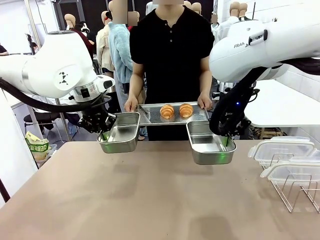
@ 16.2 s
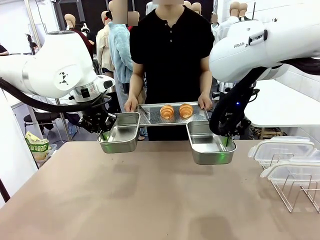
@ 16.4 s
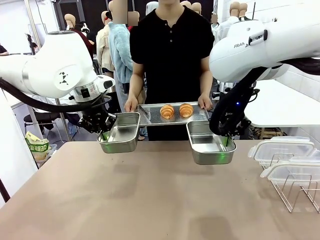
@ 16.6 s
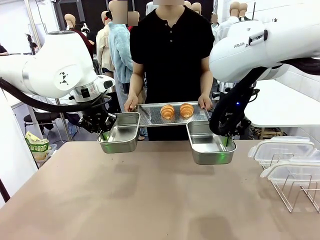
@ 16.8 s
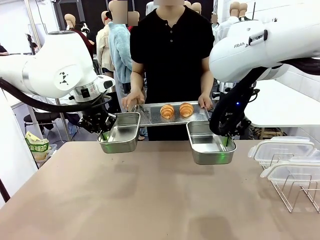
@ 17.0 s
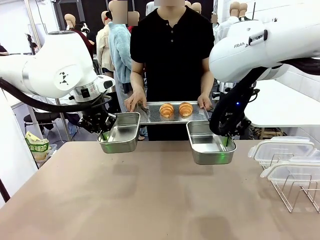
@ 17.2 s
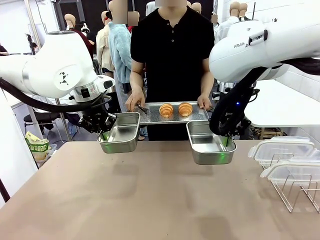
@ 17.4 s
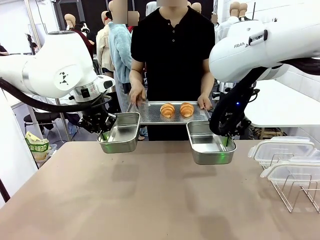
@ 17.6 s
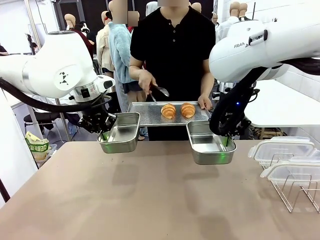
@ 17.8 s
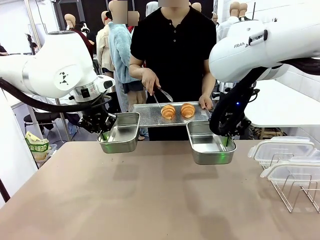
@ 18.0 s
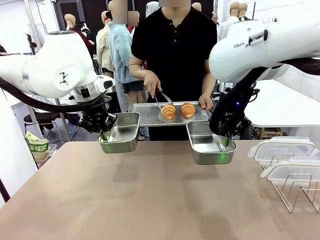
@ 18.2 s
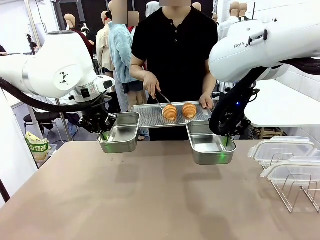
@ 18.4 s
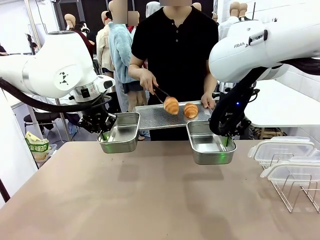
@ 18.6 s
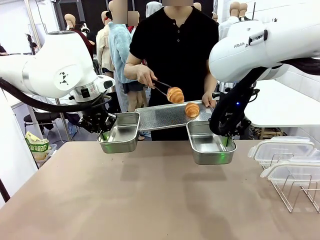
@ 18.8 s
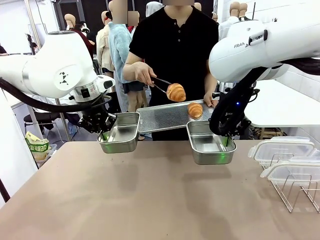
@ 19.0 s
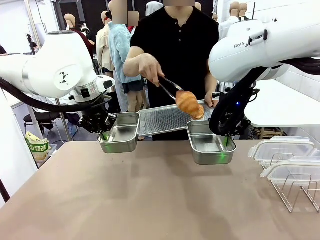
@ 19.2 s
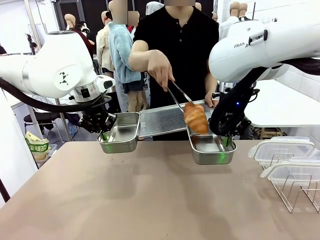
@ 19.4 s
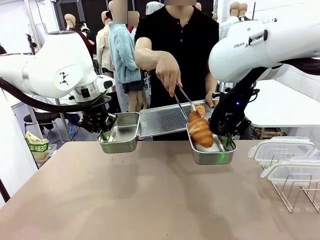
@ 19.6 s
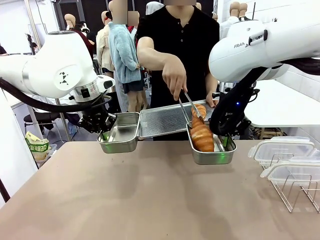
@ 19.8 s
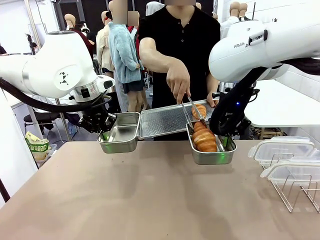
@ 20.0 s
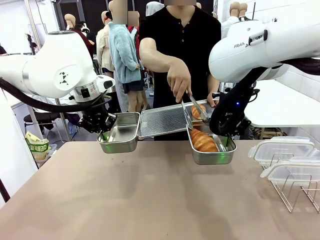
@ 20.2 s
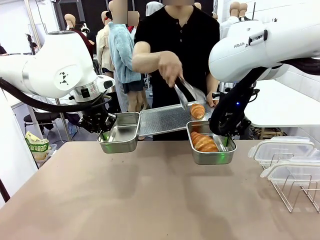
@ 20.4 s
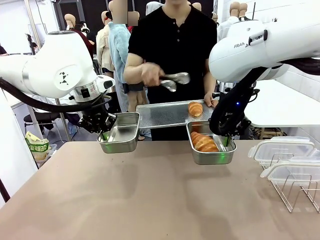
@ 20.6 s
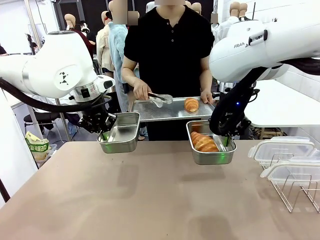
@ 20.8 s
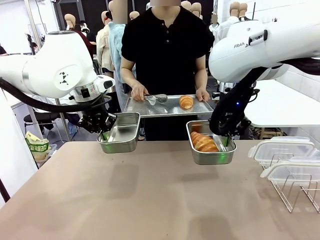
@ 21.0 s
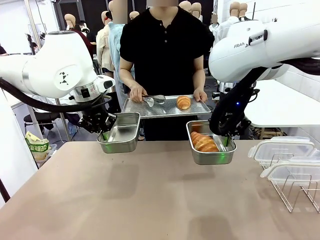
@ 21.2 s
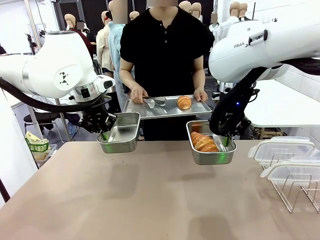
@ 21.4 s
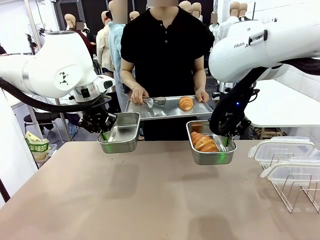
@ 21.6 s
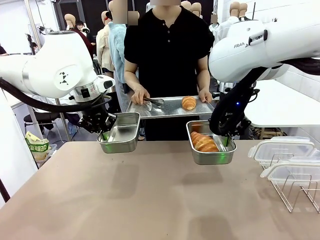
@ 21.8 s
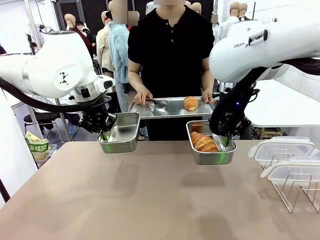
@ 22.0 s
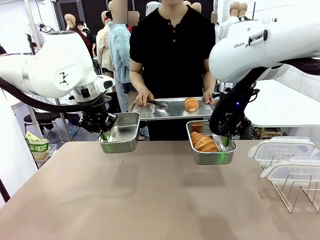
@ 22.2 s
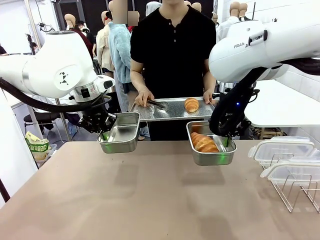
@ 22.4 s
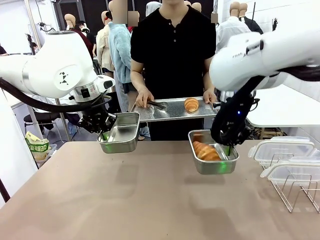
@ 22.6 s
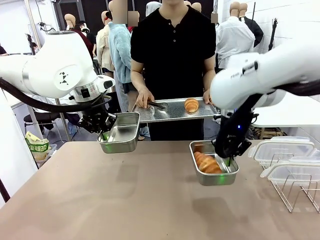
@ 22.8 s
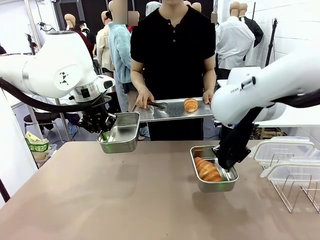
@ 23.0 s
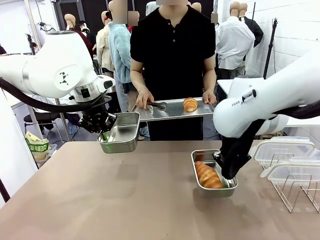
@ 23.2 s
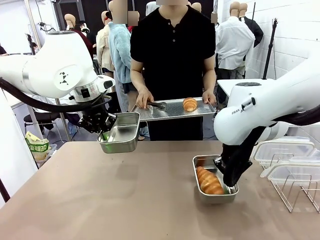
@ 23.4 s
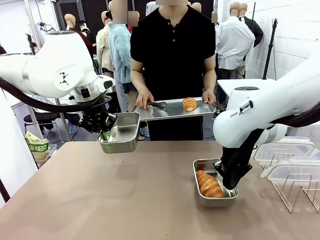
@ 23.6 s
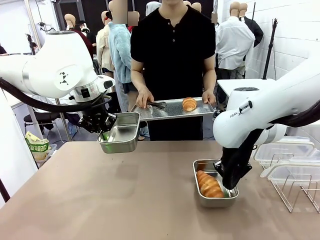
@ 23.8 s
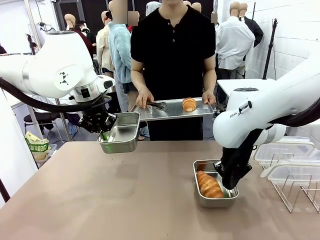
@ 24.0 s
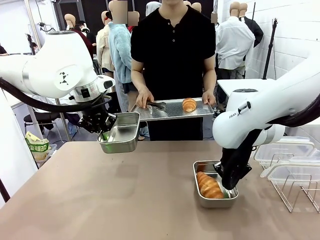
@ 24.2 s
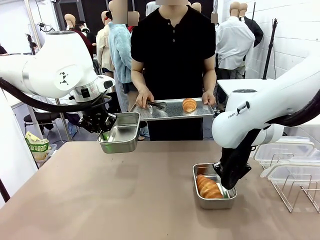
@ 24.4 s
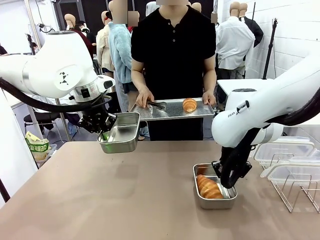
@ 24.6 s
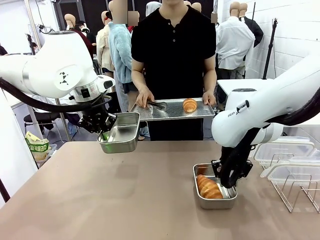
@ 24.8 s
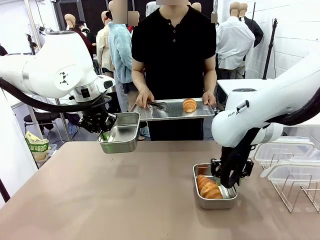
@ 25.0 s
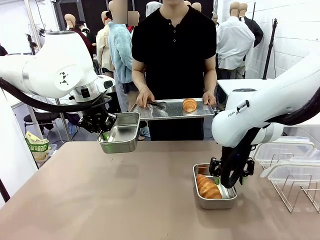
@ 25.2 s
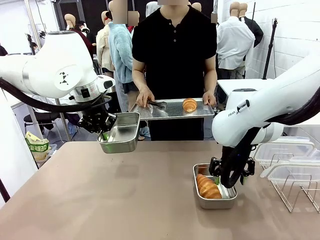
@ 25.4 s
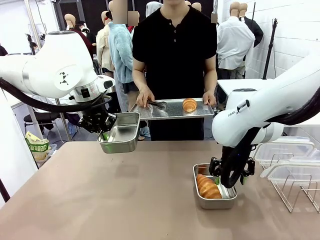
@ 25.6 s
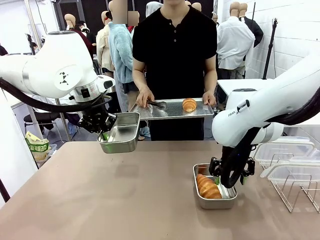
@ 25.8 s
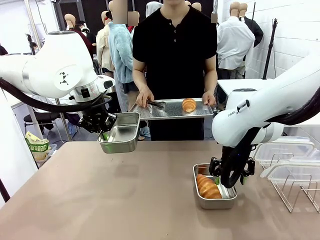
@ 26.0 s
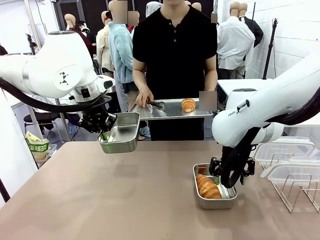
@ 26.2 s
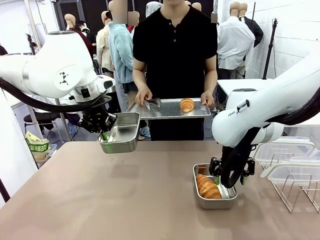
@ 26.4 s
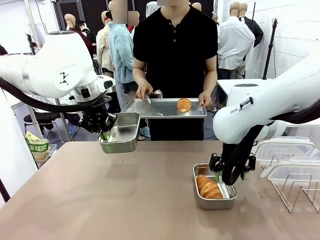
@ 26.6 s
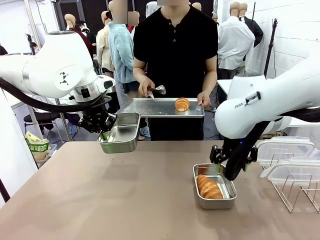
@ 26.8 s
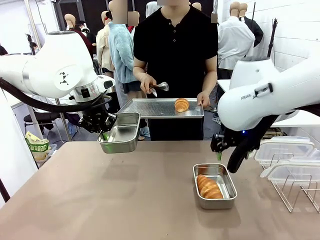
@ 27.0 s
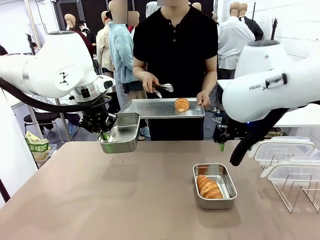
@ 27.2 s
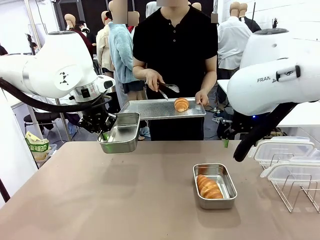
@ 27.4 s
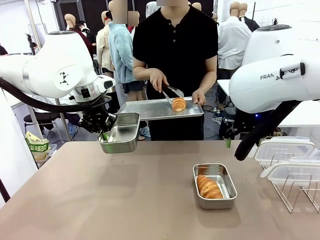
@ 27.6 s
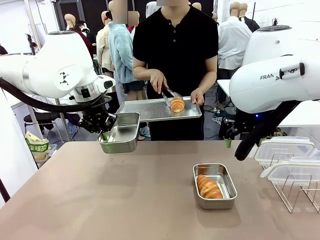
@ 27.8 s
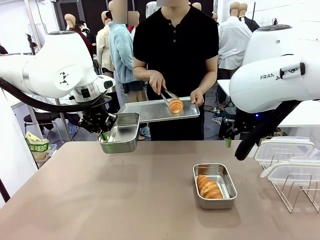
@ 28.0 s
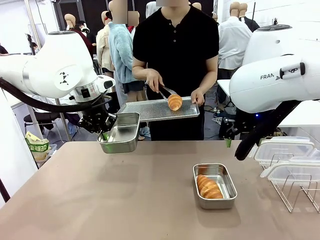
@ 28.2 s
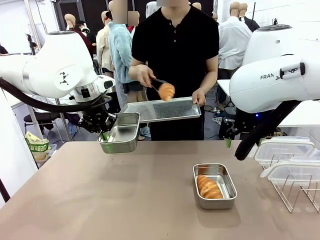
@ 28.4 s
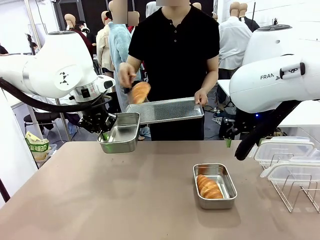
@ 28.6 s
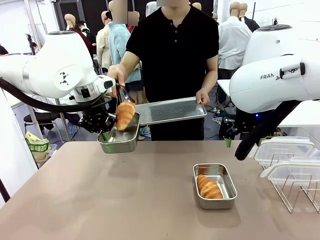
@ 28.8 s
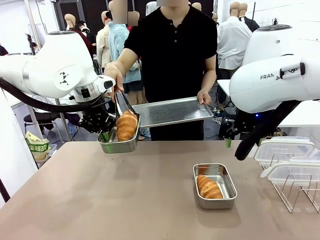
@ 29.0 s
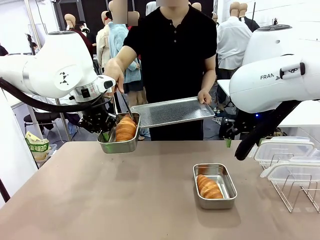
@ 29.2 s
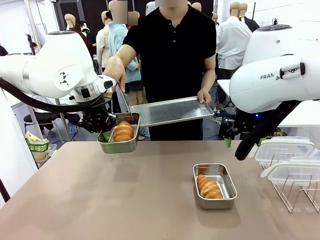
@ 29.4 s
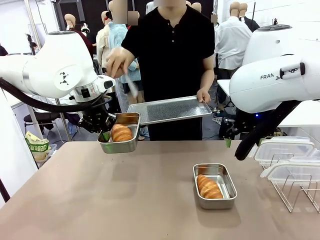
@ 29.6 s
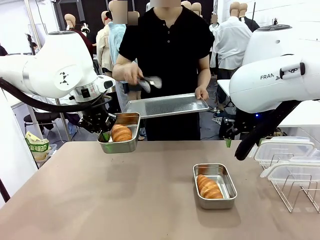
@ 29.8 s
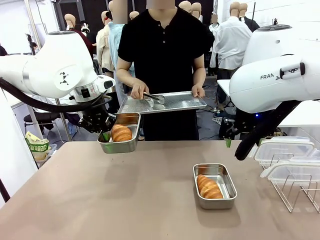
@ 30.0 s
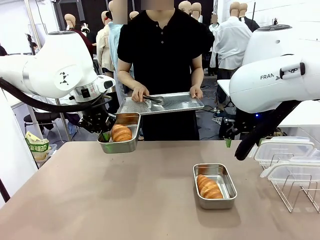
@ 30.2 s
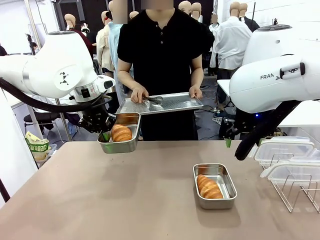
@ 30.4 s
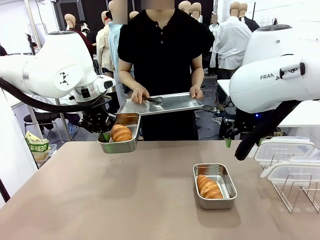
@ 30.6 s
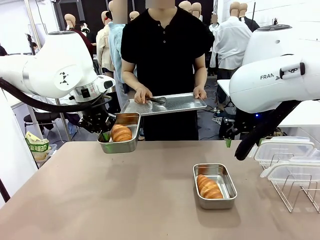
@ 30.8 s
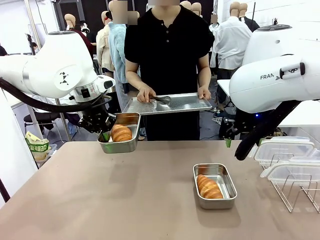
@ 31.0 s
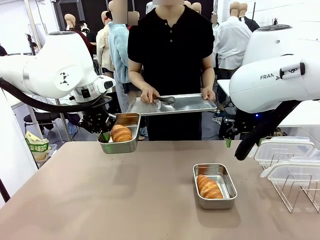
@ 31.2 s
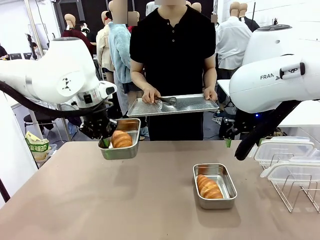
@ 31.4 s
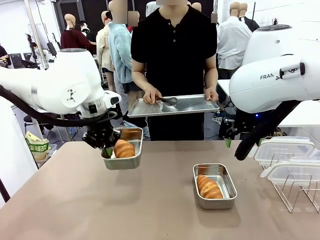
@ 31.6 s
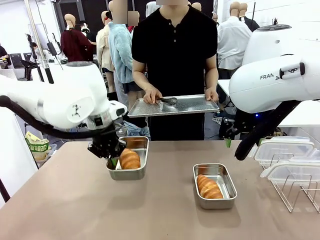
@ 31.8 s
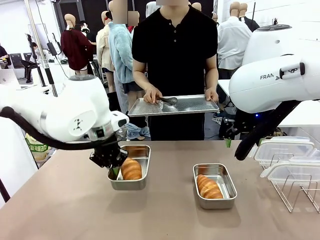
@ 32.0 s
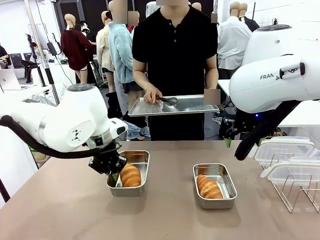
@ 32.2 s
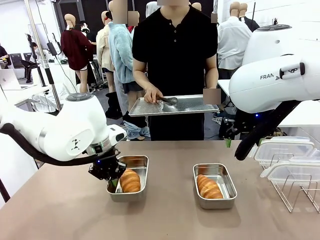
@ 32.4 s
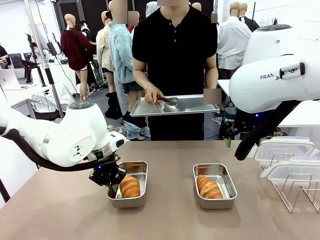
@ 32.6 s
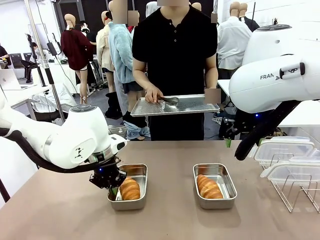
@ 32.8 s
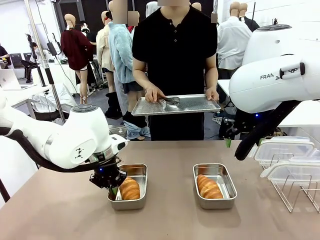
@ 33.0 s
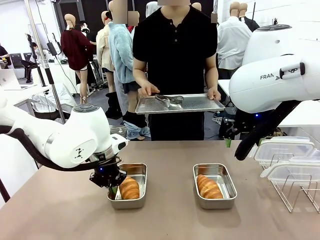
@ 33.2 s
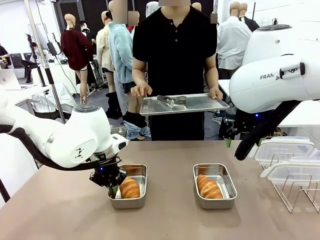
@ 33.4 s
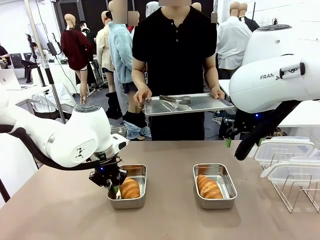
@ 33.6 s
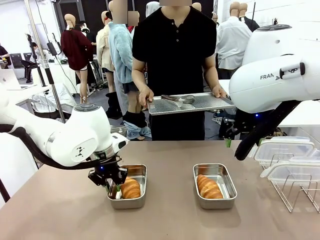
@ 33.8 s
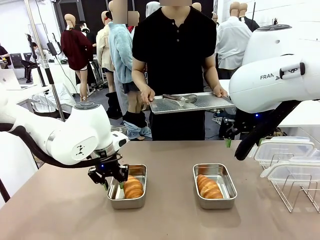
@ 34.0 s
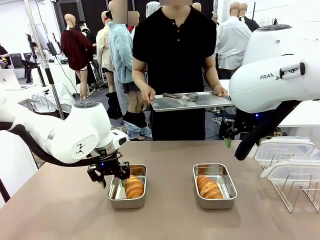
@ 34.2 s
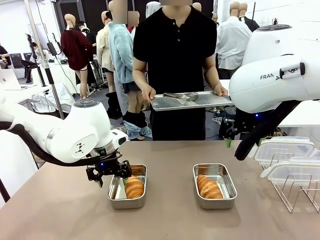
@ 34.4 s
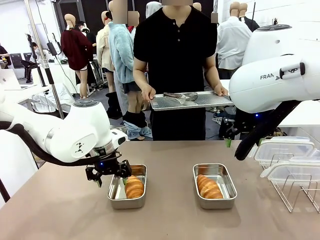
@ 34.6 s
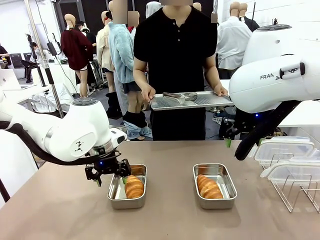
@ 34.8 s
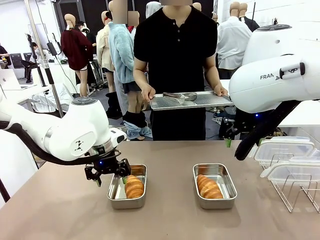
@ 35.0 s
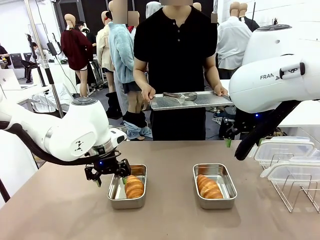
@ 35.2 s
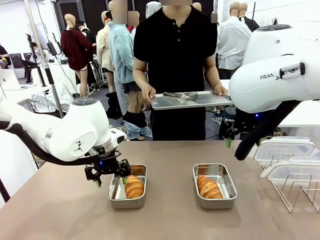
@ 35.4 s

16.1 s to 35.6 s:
Task: Place the bread in airtight containers.
Robot: Once an object is inside an Airtight Container , place the container in the center of the table.
Person: Use the Stainless steel tongs to place one object from Baking Sheet into one Airtight Container. Place Baking Sheet on the Human's Table.
